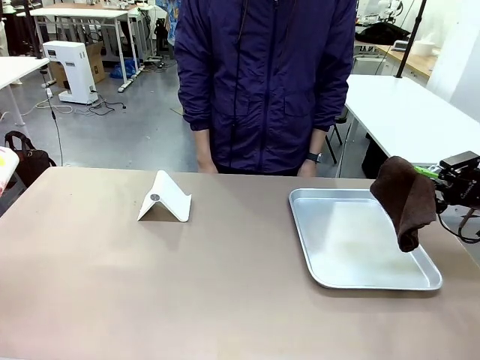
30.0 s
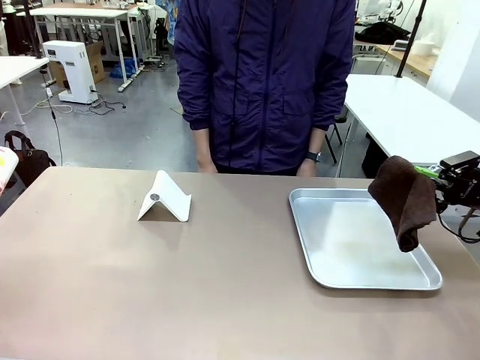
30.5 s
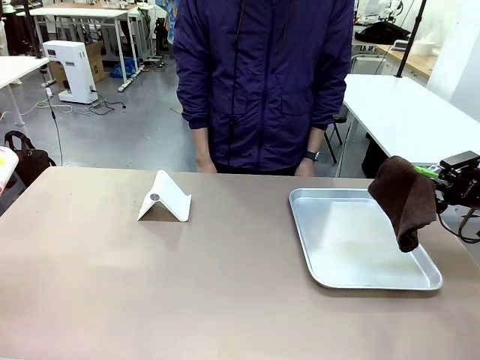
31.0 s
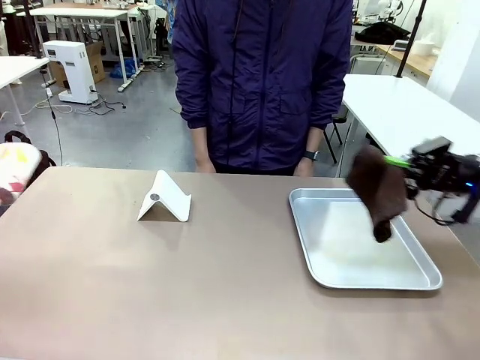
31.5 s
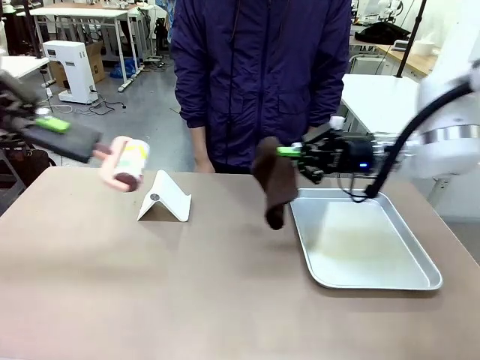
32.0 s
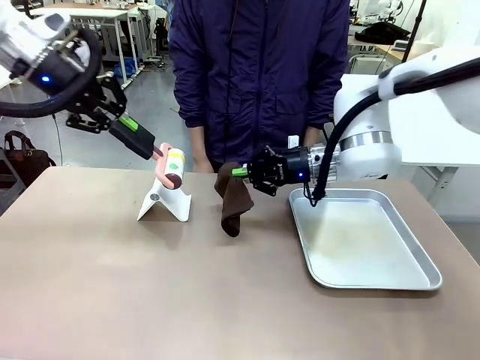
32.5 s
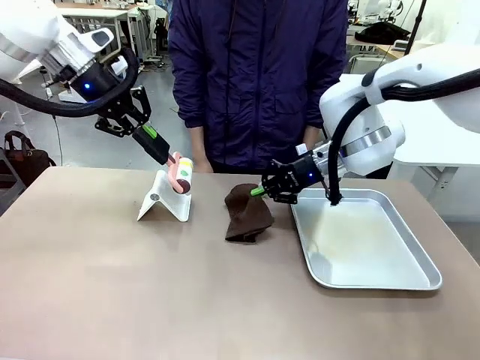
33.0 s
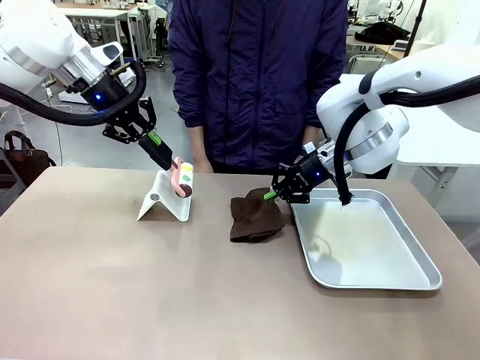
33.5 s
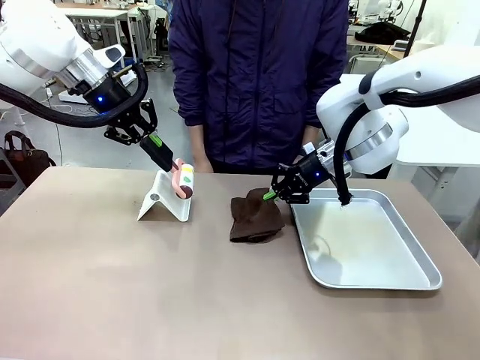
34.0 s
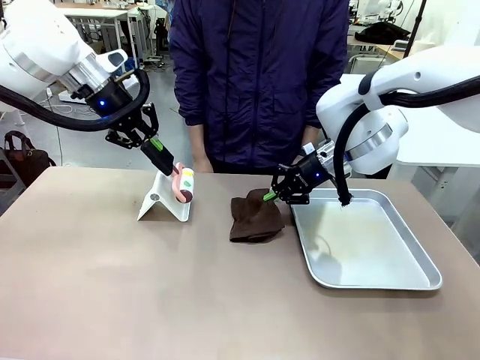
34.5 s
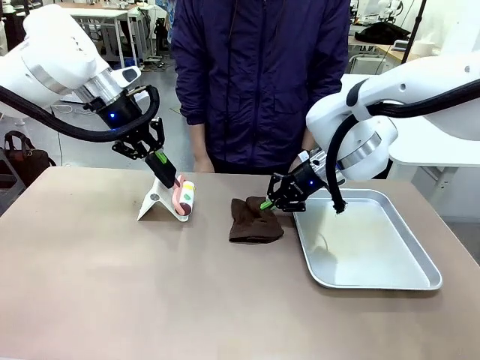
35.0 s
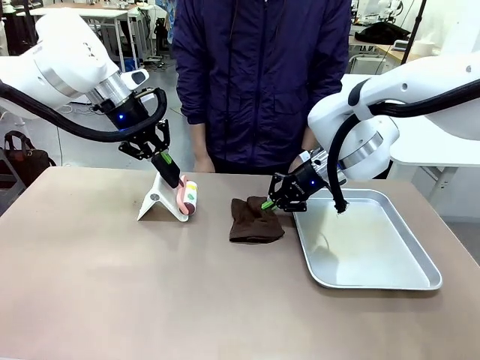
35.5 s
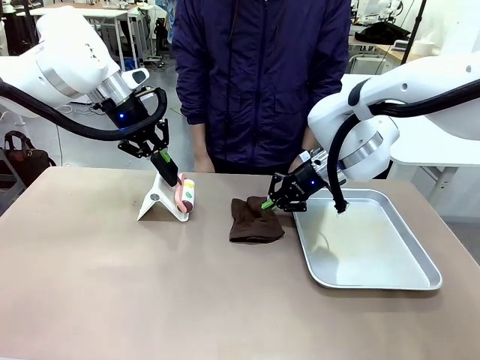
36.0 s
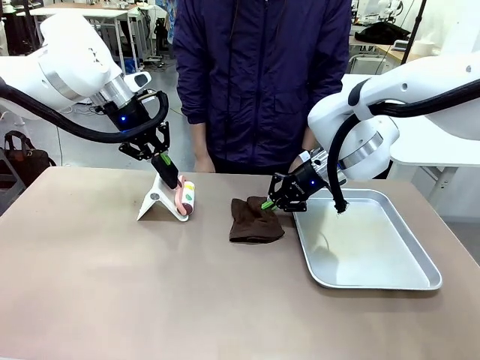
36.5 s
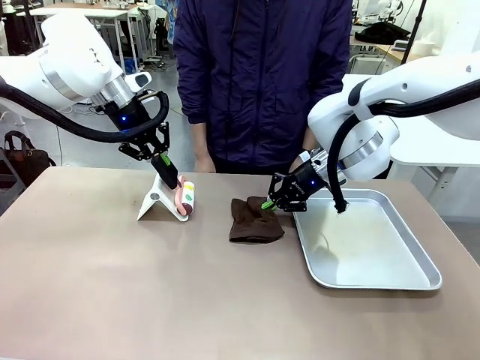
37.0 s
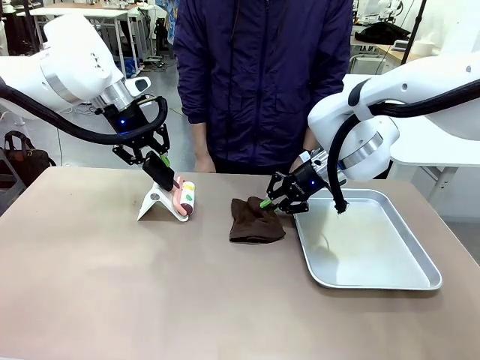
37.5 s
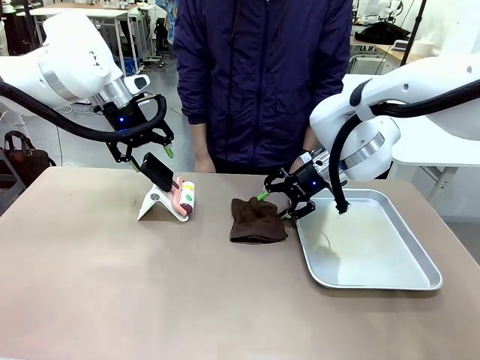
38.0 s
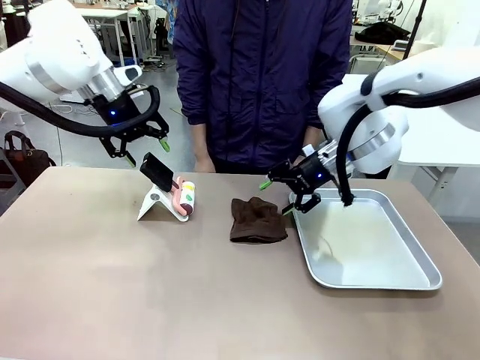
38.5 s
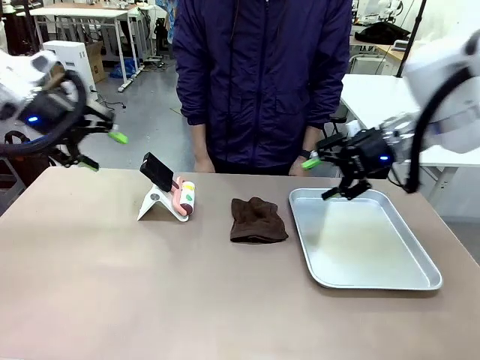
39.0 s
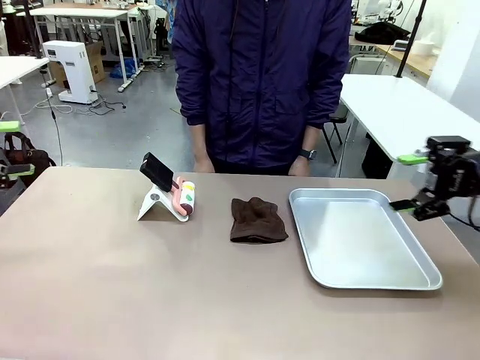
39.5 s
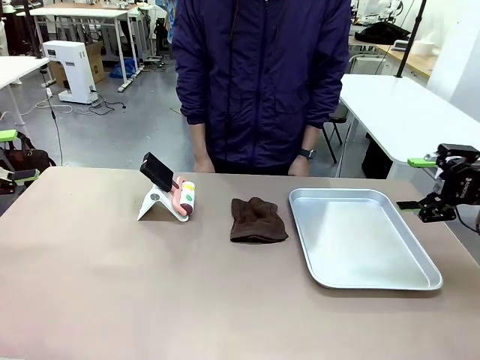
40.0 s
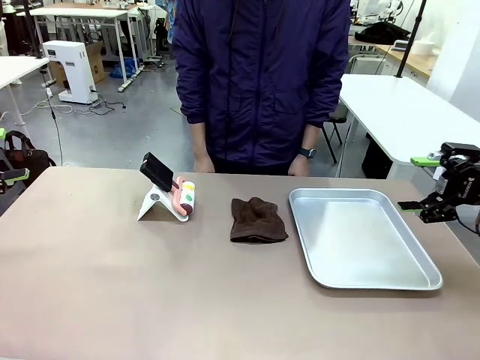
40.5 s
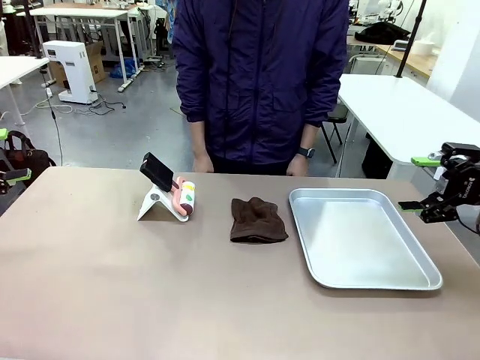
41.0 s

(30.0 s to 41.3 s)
Task: Clean the surface of the table.
Robot: Return the Lint Roller and towel to their original positions.

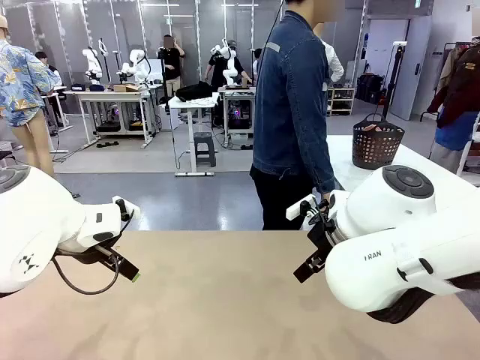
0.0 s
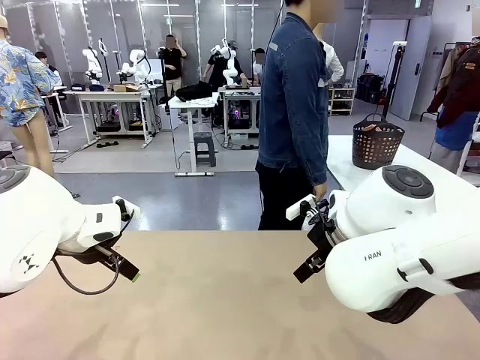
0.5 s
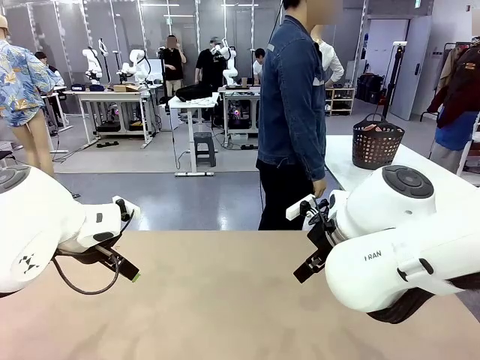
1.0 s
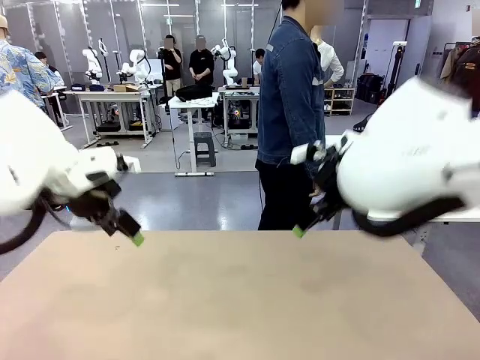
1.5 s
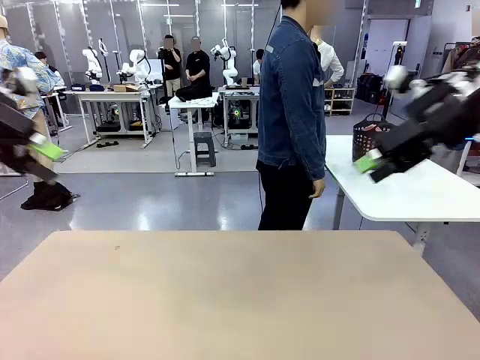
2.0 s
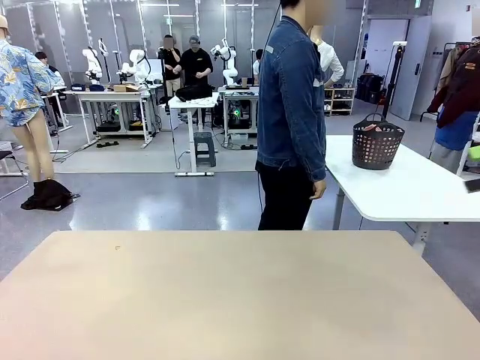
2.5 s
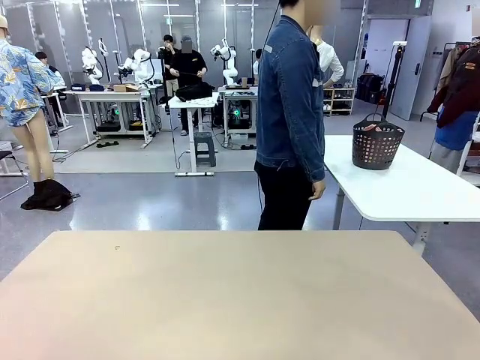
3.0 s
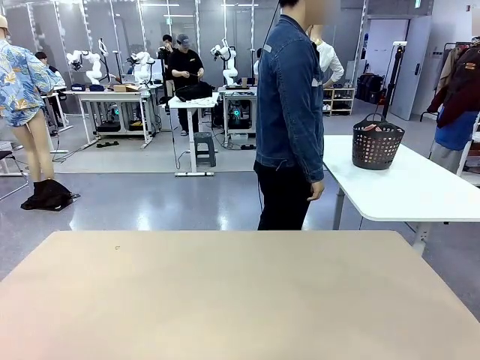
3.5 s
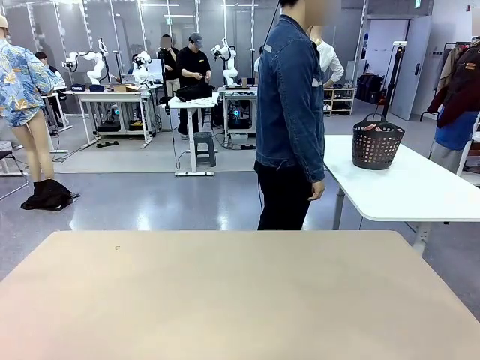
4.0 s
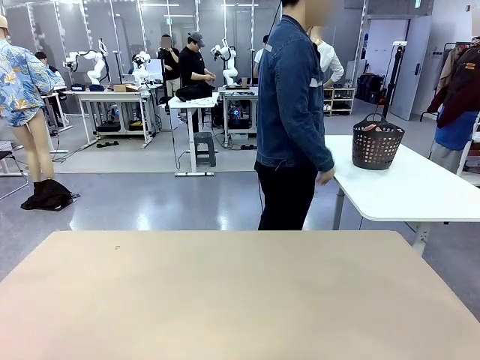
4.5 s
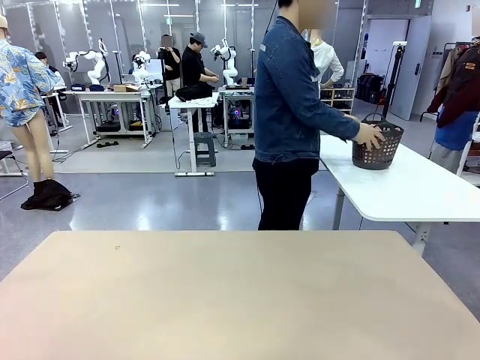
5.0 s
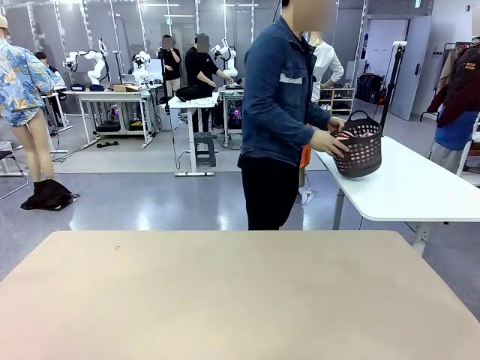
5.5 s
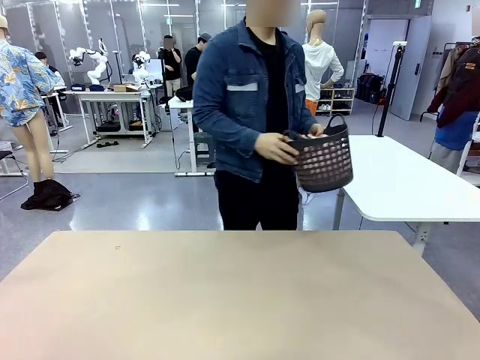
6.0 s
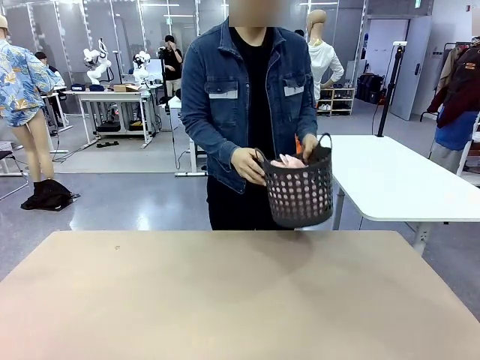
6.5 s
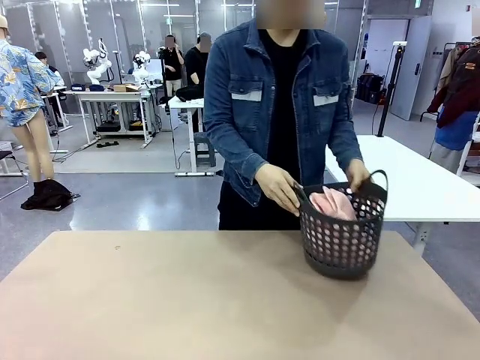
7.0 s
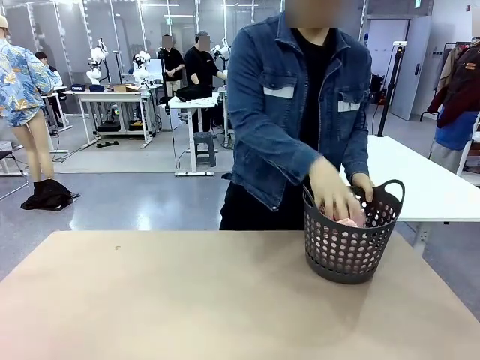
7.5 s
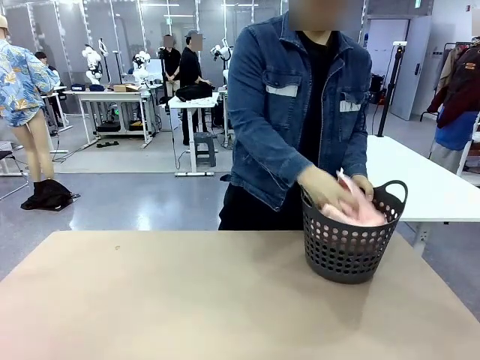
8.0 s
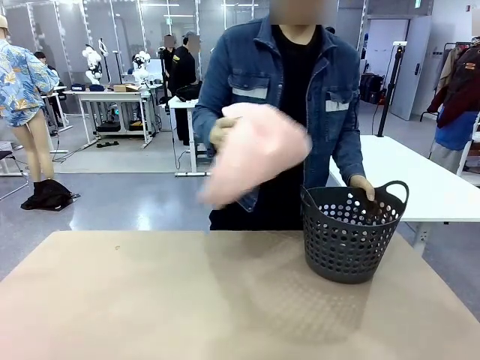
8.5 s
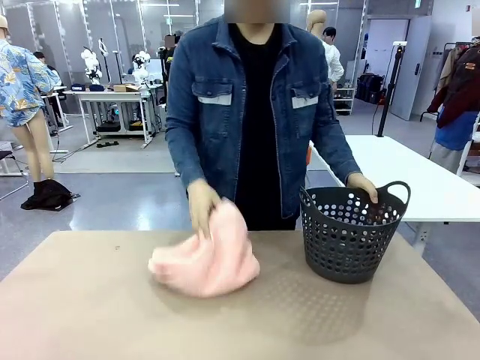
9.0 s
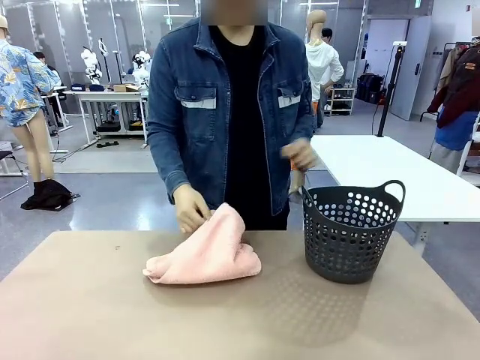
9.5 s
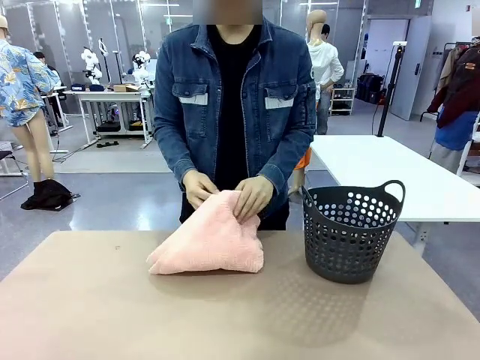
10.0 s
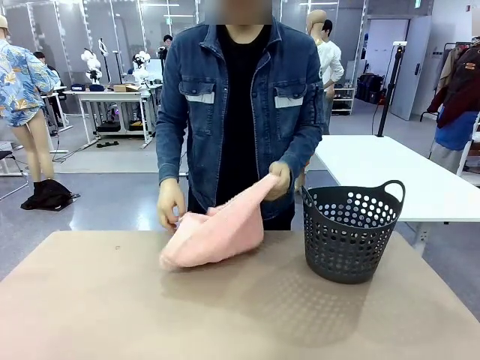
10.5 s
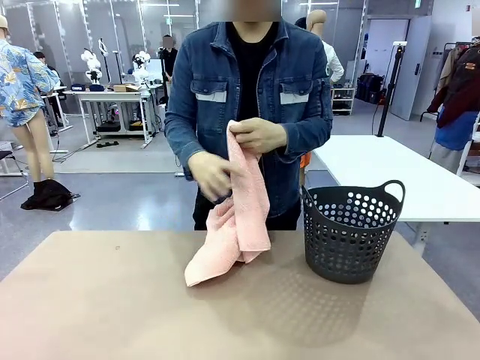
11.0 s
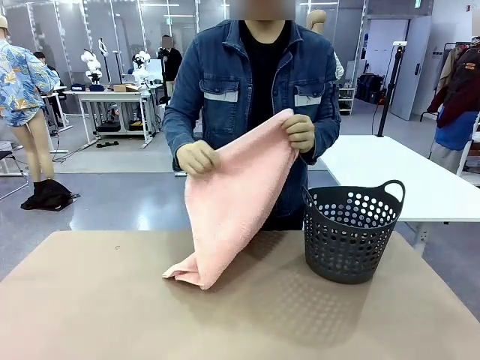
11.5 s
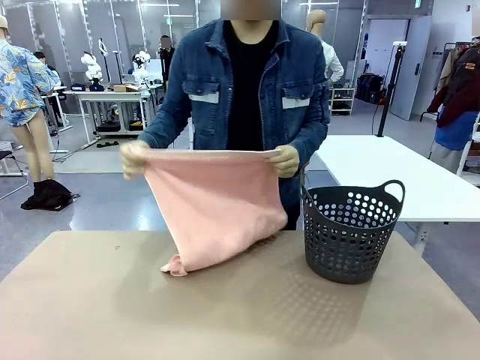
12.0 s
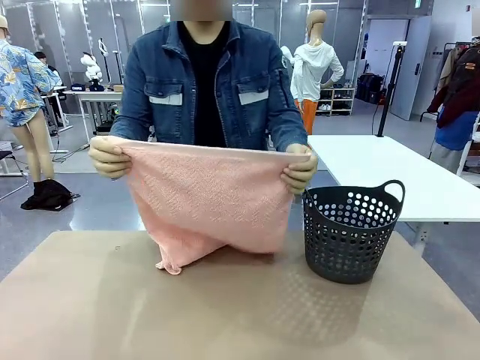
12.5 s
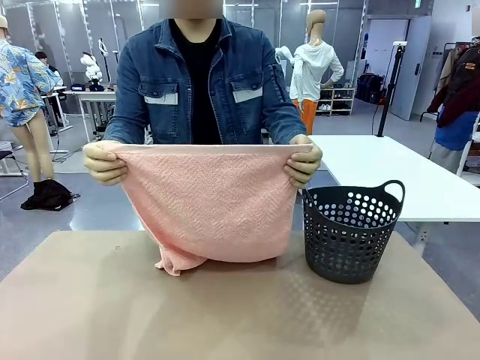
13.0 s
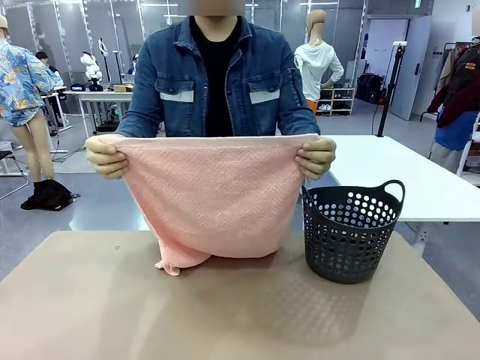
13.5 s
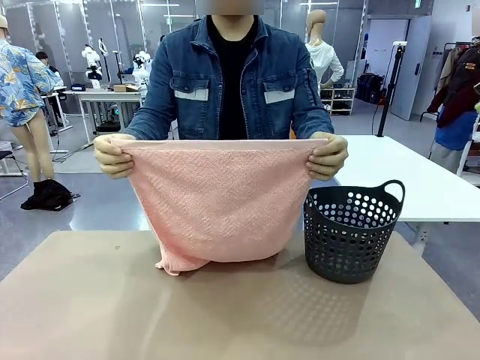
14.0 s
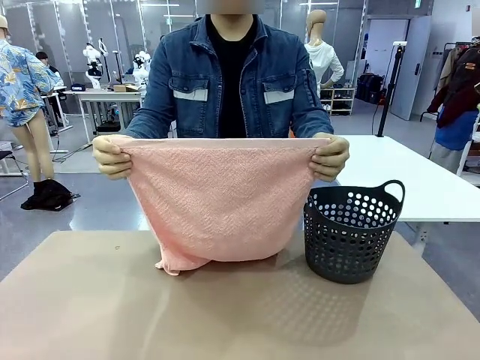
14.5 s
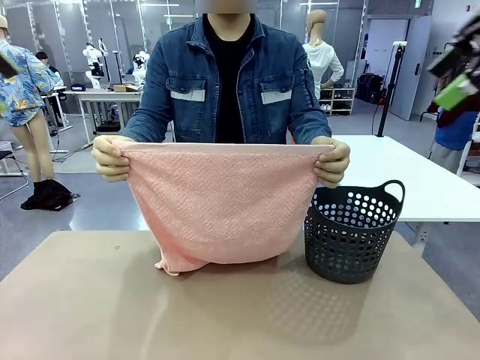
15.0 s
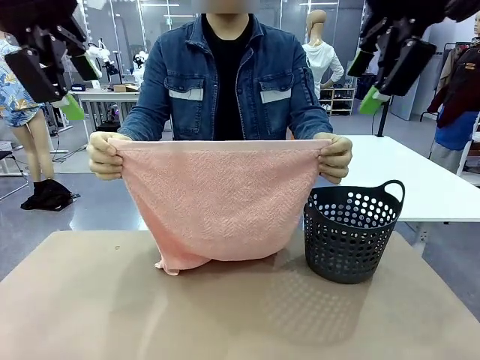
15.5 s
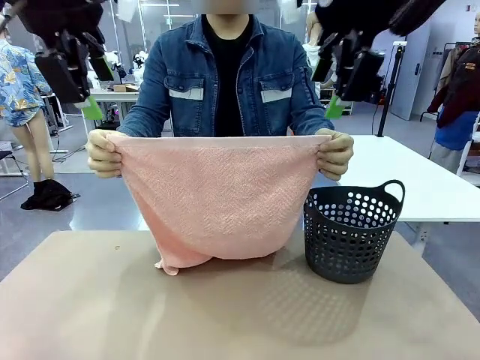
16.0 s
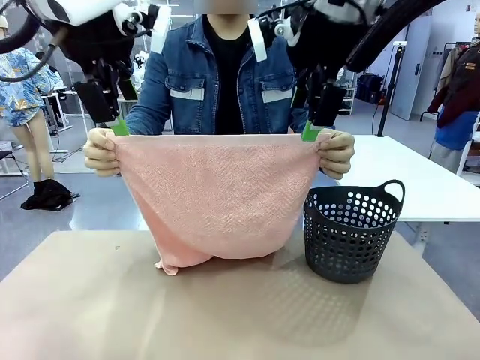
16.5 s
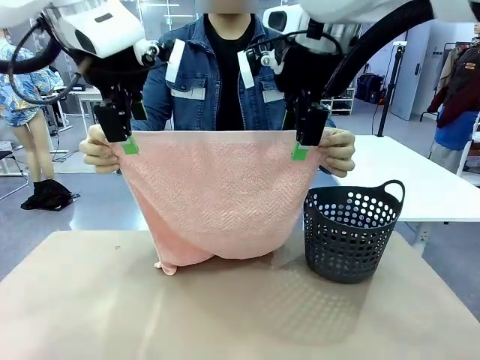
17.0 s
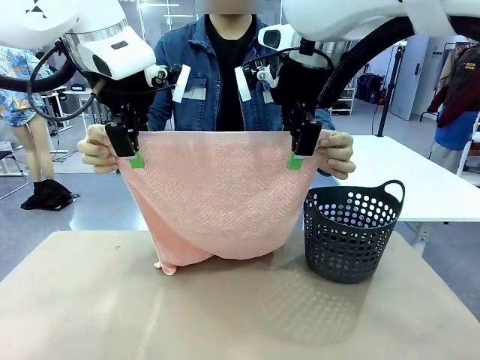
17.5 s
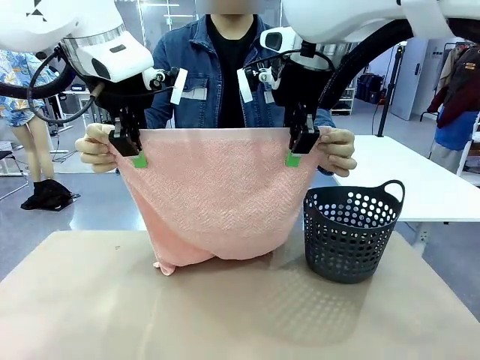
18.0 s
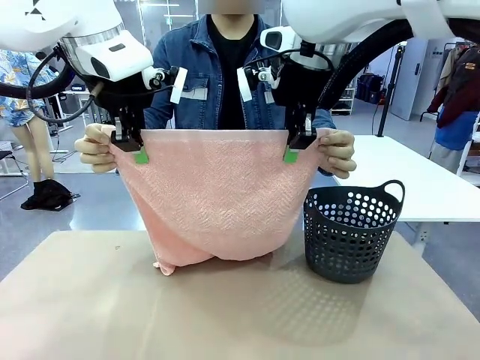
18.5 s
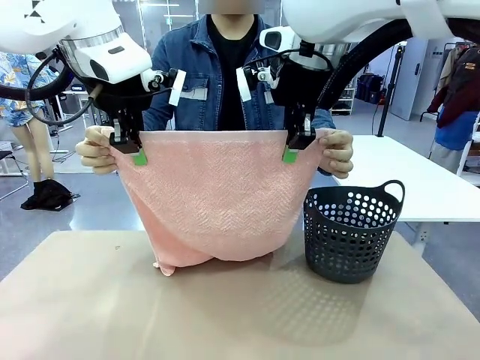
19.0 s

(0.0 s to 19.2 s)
Task: Fold the towel.
Robot: Grab the top end of the 100 cm Hotel Towel extended by the human.
Person: Pick up the laundry basket, place it on the left side of the robot table, then take out a towel and hand it to the robot while holding both corners of one end.
